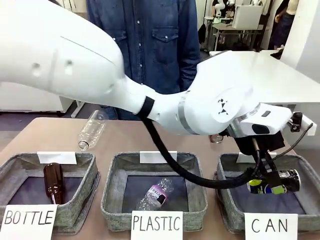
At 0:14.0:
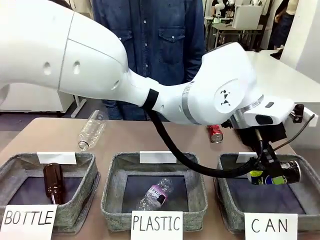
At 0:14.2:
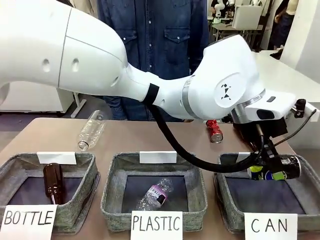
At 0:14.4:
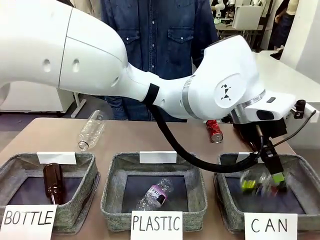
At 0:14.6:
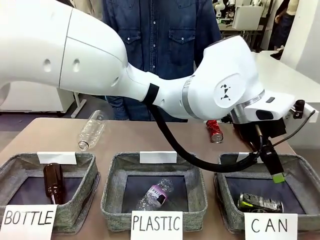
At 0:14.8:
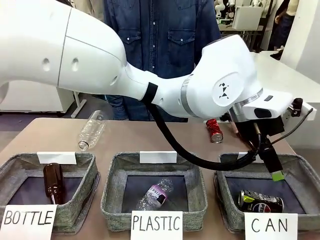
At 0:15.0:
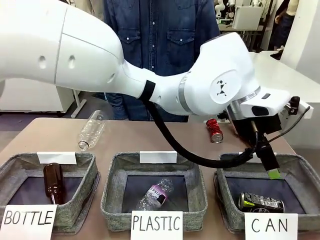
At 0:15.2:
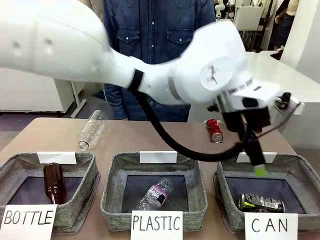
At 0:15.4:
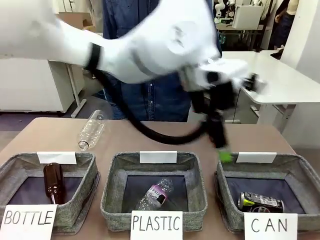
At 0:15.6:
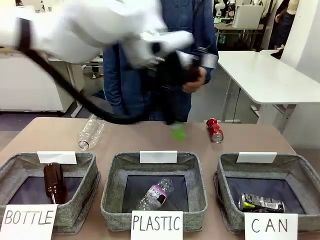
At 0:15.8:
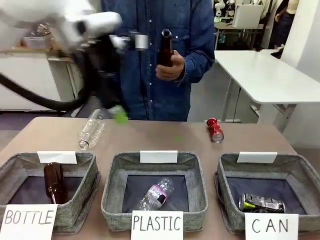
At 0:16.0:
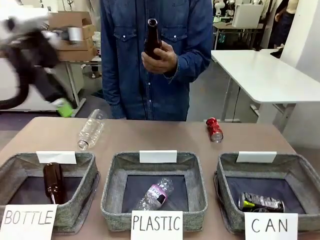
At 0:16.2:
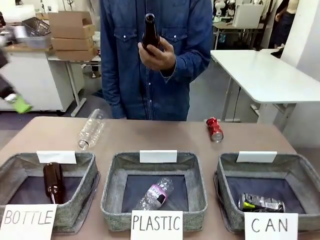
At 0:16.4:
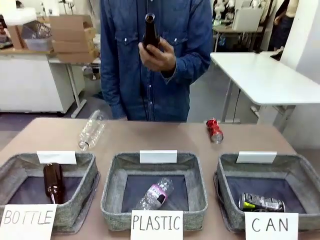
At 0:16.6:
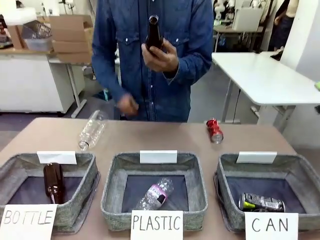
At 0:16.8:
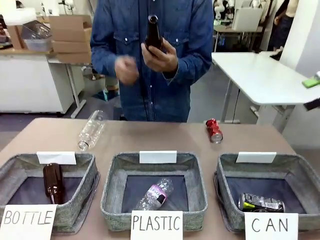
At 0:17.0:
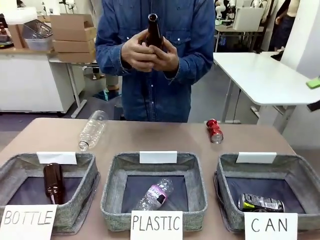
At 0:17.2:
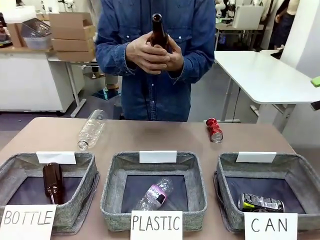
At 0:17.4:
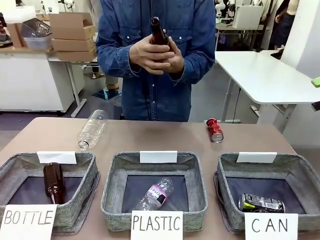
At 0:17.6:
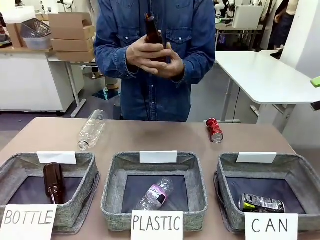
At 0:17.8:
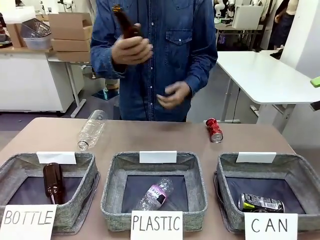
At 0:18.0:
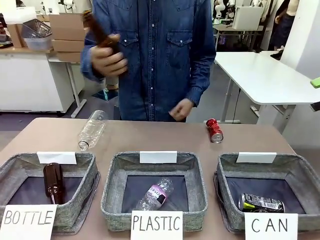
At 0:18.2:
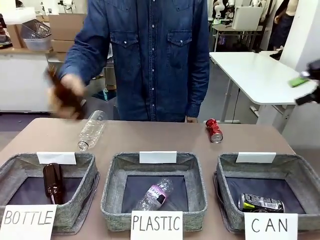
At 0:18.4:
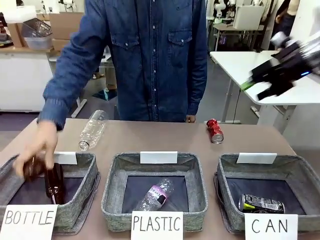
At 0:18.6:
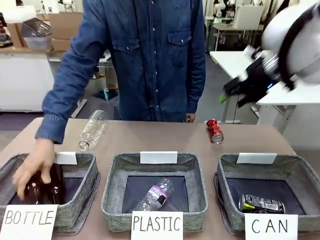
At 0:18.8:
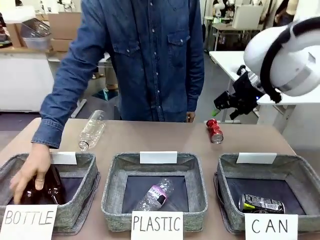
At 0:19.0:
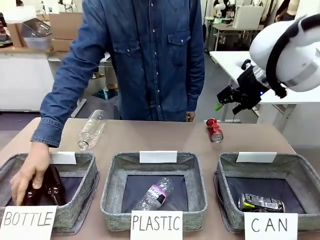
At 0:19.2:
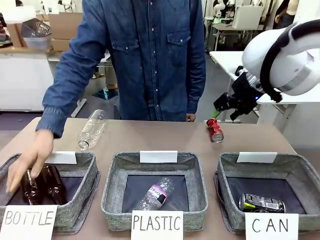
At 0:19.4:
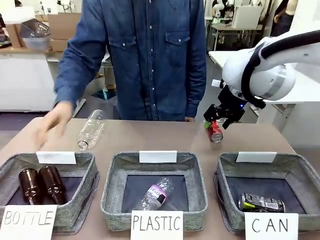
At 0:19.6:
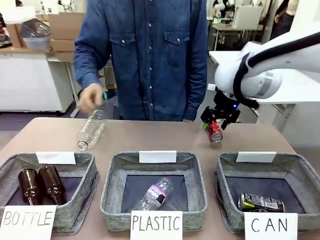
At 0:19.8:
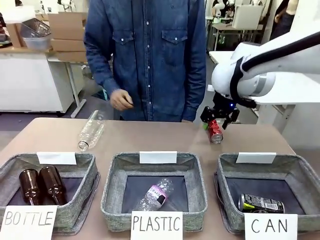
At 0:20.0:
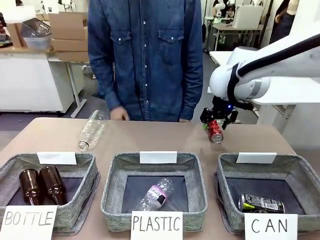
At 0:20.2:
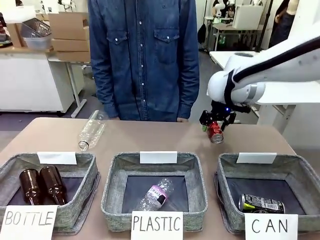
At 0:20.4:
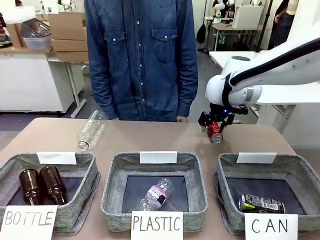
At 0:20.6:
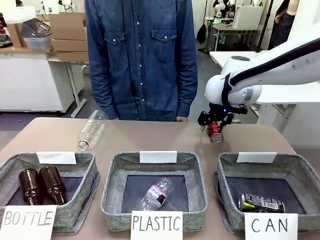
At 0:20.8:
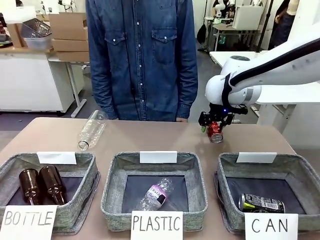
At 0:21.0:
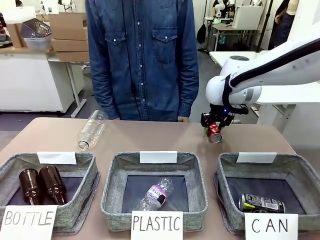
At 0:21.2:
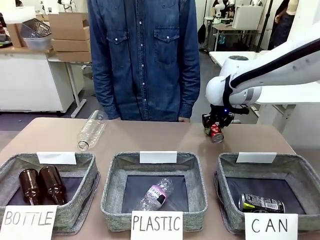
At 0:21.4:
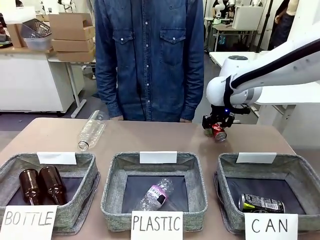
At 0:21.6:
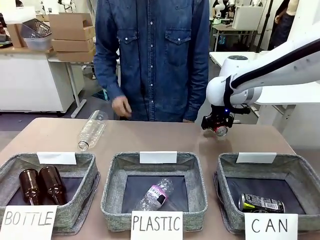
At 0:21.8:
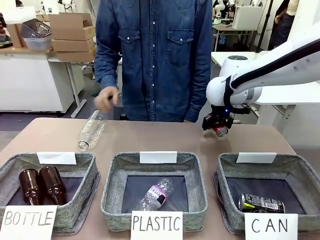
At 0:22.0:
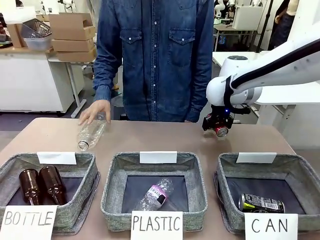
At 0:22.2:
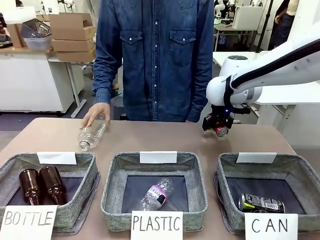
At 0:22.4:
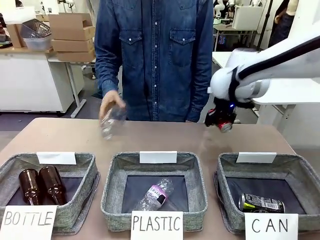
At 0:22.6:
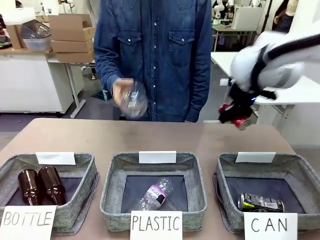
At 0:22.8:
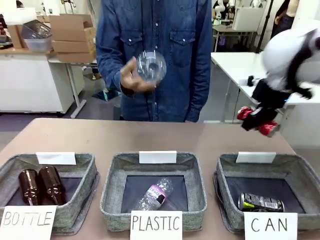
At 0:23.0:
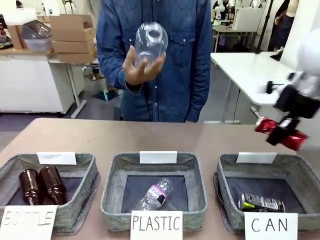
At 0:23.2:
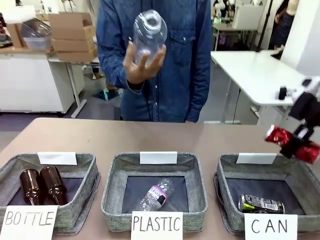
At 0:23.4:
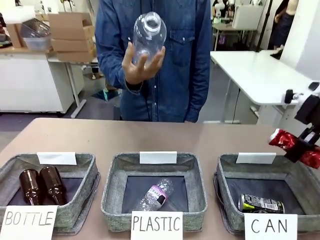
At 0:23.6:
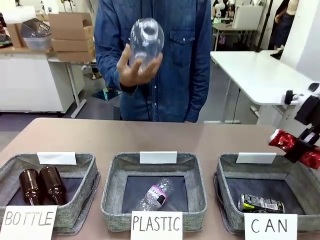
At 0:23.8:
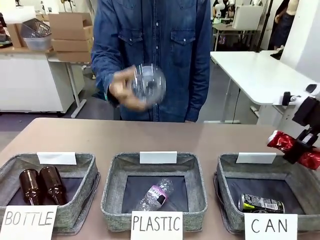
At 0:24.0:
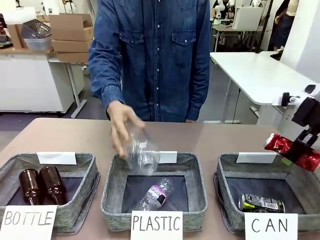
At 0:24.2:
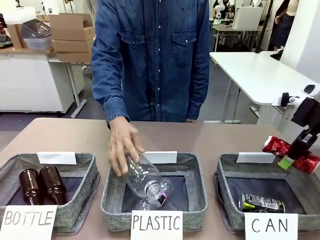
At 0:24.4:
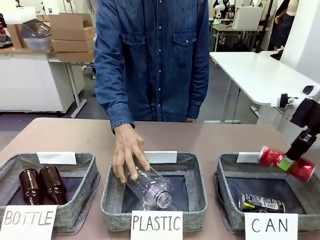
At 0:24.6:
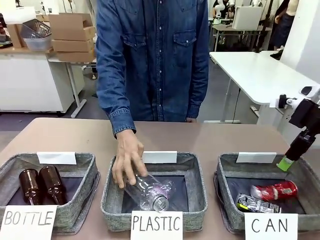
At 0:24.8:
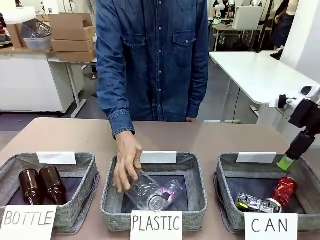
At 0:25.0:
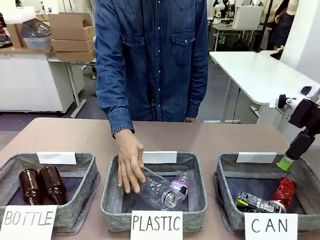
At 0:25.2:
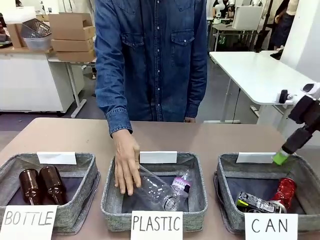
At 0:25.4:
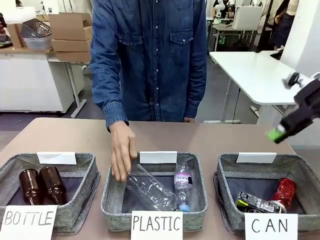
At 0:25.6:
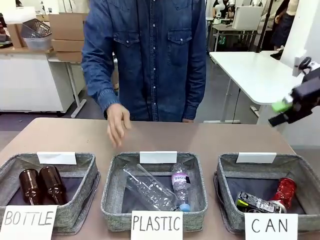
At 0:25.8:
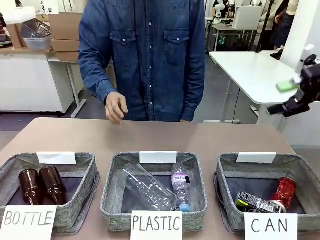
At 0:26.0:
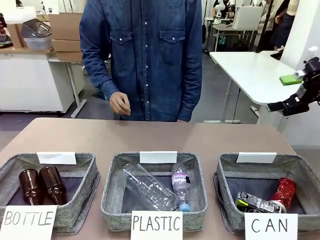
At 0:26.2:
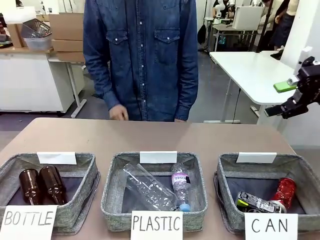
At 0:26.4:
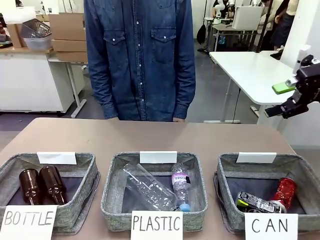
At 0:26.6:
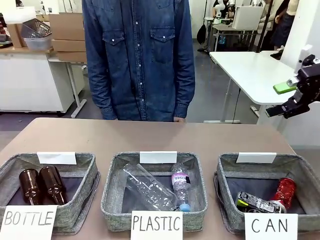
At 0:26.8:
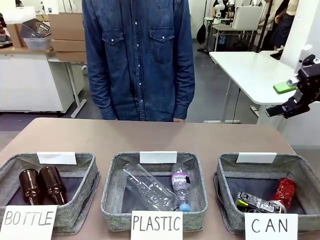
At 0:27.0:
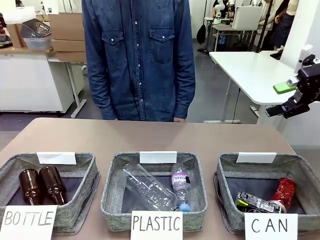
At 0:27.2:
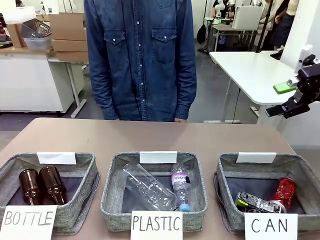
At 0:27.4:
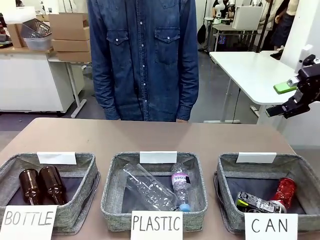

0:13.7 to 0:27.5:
Task: Sort the can waste into the basket.
Robot: Pick up the can waste from the table and place it in the right Fabric basket.
Person: The human picks up one piece of trash that is not a can and places the trash into the appropriate organizing basket.

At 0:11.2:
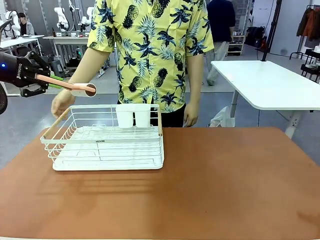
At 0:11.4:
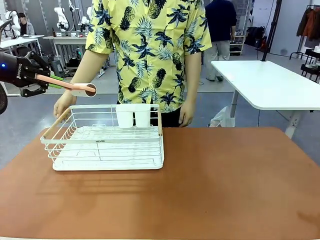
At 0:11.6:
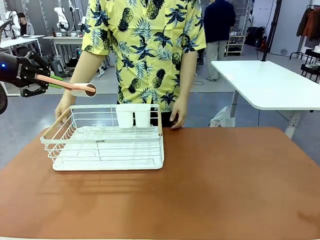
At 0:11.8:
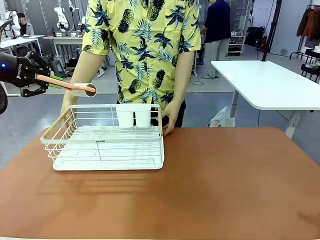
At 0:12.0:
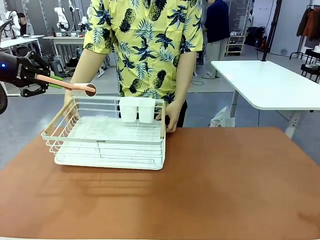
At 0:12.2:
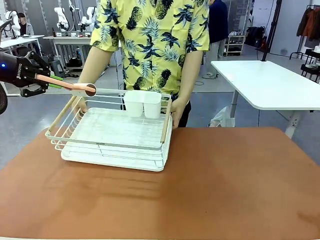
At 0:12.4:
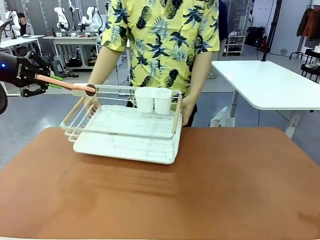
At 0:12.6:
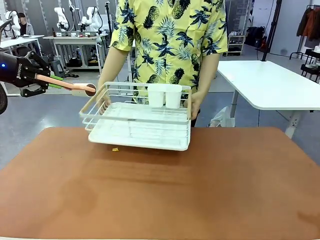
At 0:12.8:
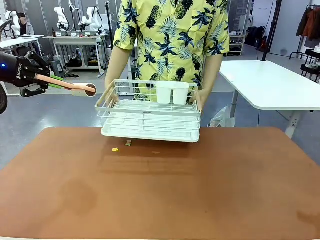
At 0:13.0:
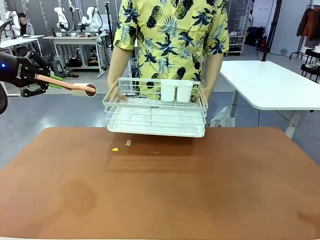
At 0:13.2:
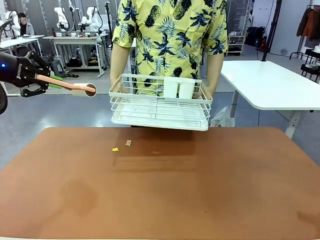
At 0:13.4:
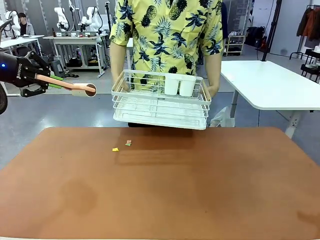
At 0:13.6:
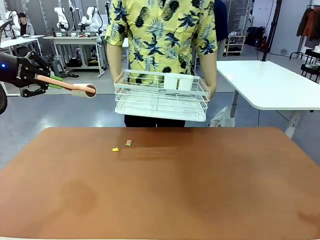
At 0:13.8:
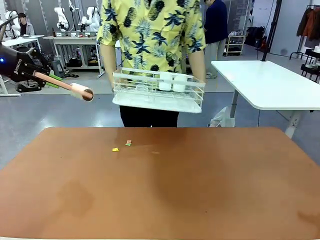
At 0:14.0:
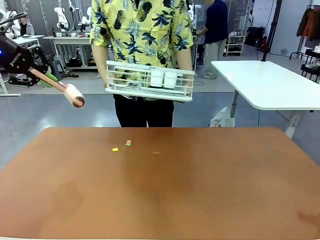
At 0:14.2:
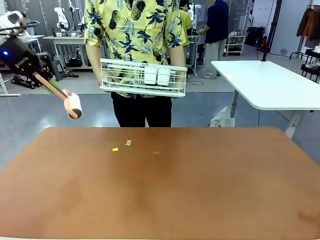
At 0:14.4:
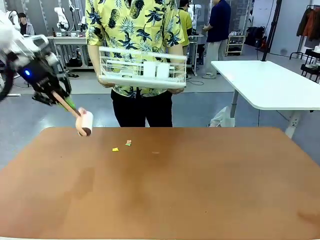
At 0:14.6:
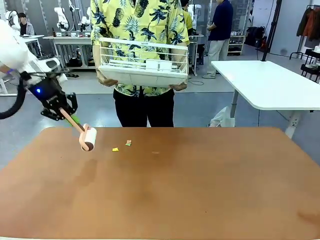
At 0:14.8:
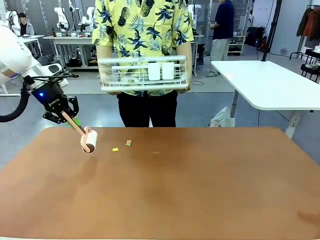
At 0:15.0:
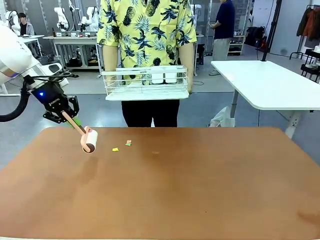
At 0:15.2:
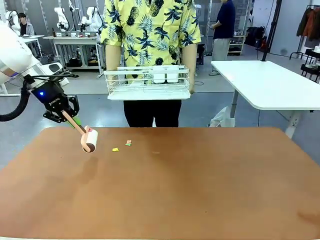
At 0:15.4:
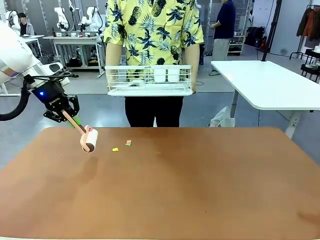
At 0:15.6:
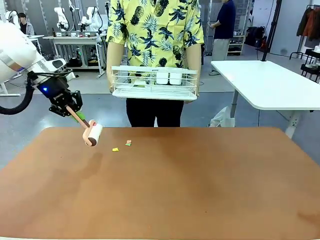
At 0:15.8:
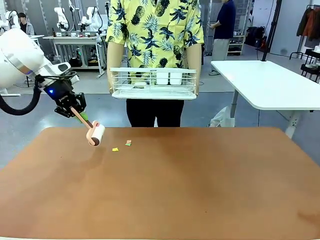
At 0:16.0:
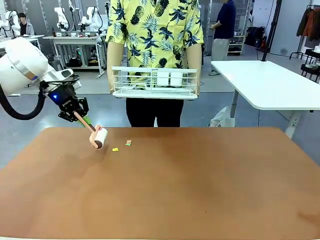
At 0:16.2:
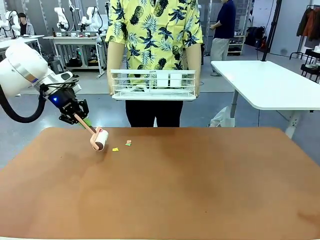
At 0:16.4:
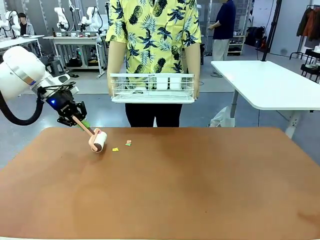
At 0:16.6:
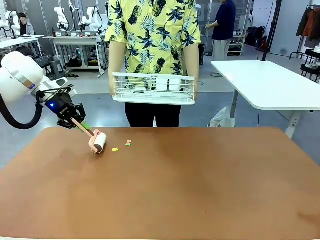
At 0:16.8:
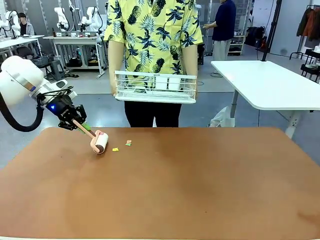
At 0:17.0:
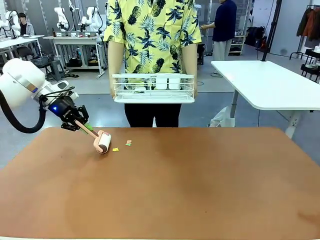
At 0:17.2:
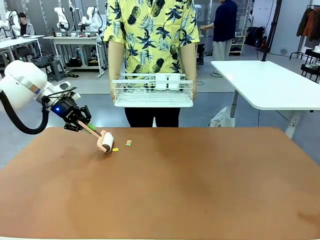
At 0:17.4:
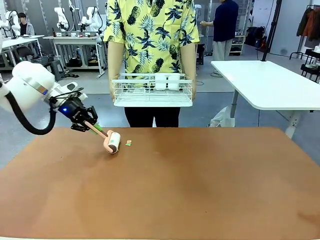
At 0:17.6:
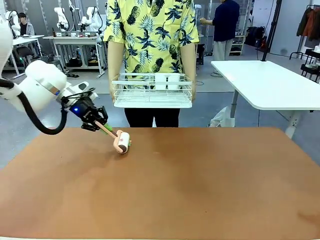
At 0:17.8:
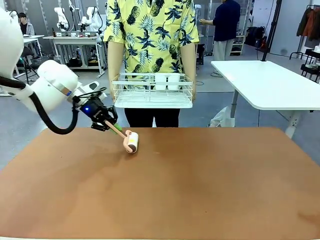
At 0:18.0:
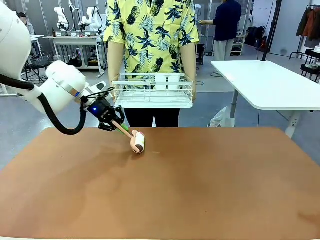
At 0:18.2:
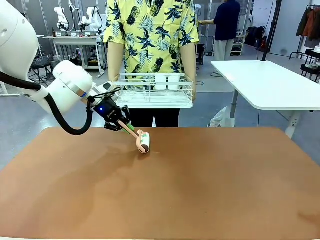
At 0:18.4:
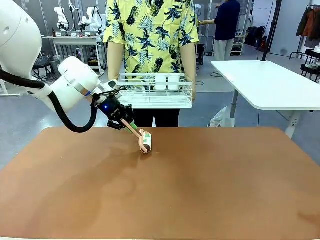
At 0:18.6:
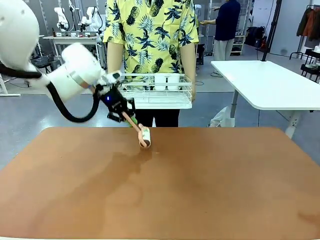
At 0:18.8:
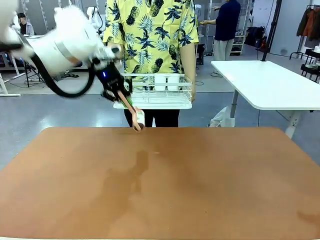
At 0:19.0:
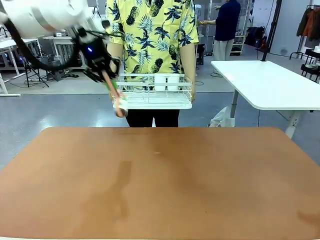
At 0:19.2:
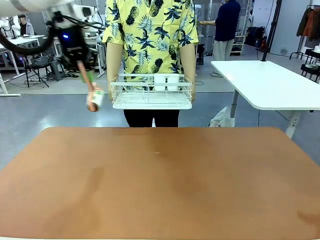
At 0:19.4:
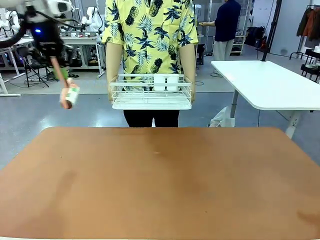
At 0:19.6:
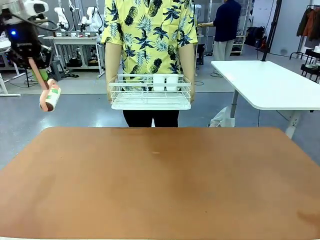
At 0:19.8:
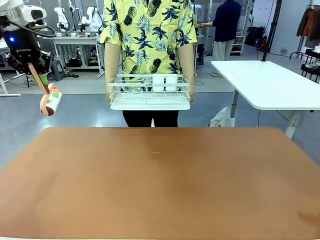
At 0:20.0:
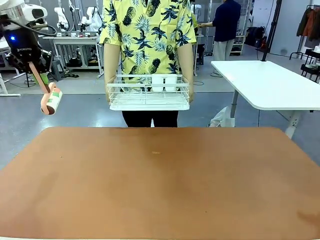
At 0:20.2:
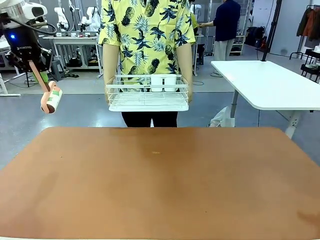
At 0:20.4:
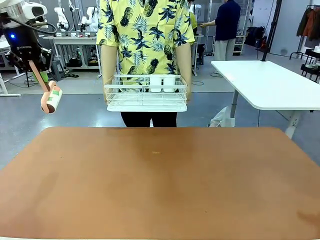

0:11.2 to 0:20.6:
Task: Clean the table.
Robot: Clean the table with the Lint Roller when the human lifts the Dish drying rack.
Person: Place the Dish drying rack down when the robot finishes cleaning.
